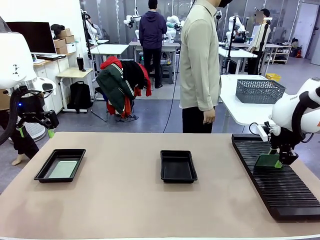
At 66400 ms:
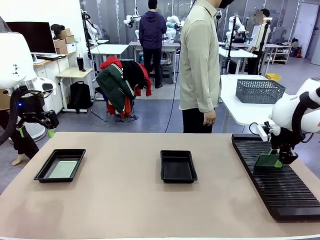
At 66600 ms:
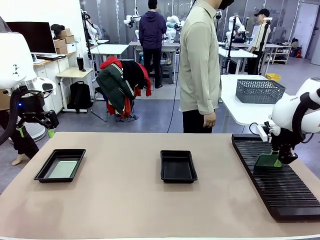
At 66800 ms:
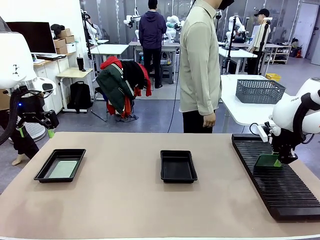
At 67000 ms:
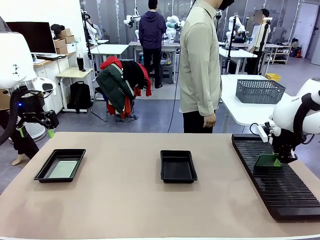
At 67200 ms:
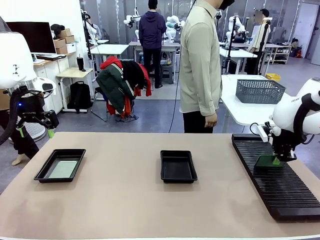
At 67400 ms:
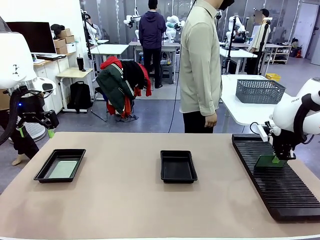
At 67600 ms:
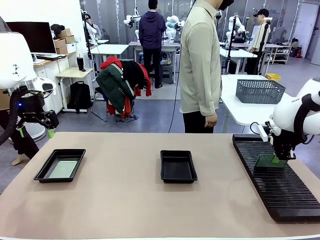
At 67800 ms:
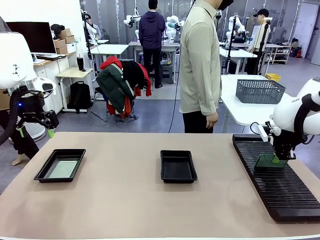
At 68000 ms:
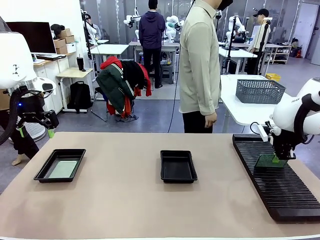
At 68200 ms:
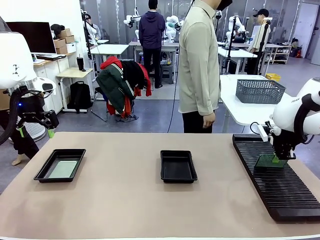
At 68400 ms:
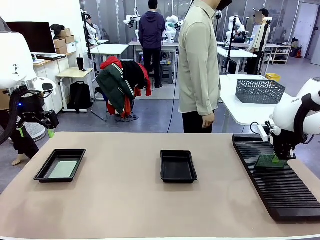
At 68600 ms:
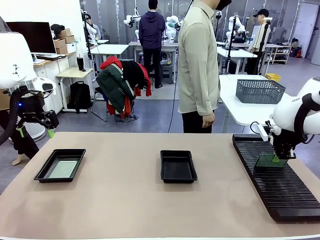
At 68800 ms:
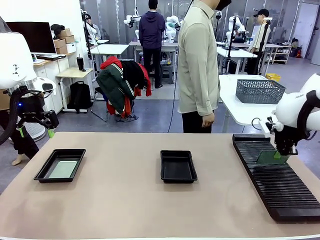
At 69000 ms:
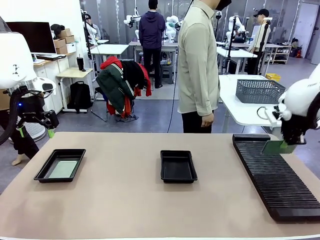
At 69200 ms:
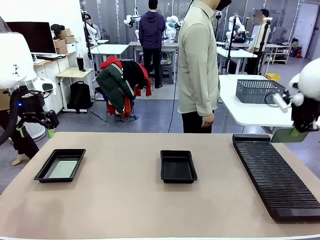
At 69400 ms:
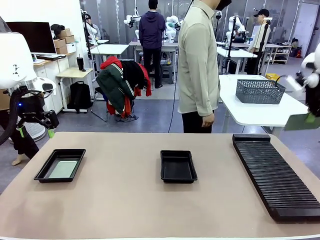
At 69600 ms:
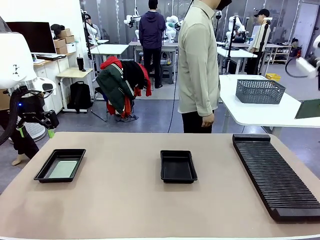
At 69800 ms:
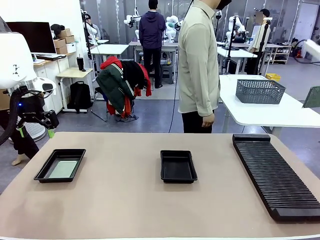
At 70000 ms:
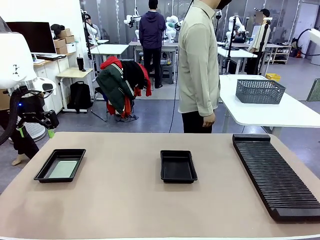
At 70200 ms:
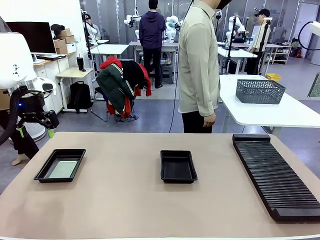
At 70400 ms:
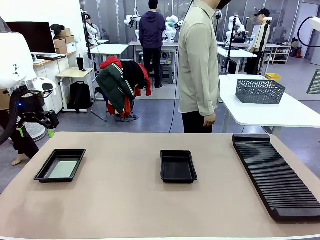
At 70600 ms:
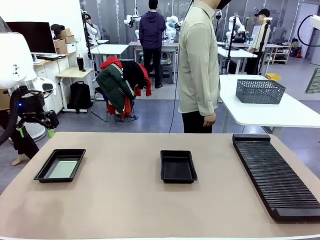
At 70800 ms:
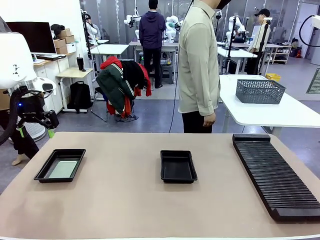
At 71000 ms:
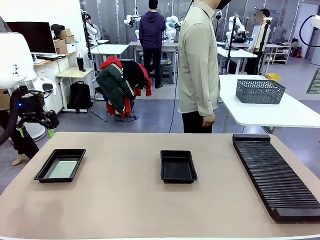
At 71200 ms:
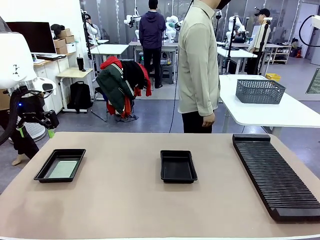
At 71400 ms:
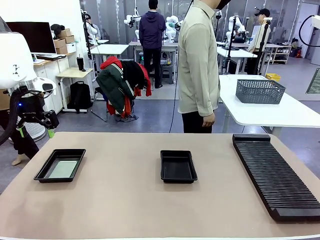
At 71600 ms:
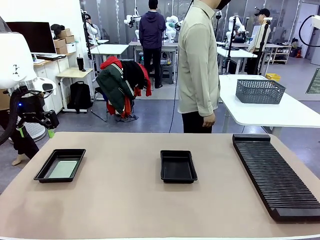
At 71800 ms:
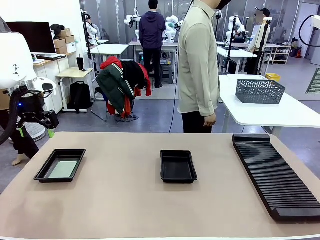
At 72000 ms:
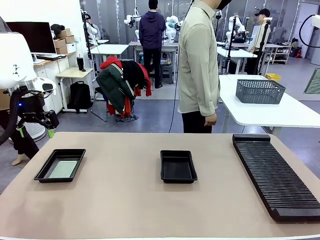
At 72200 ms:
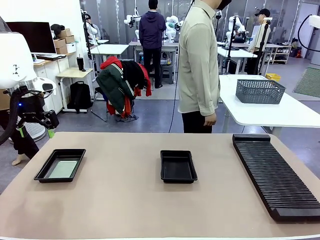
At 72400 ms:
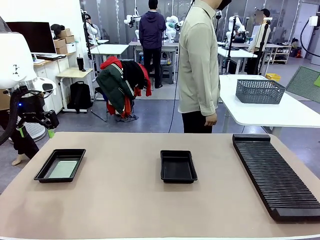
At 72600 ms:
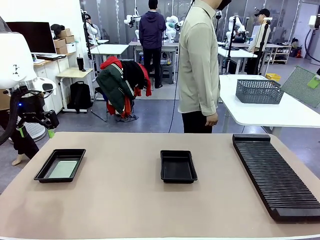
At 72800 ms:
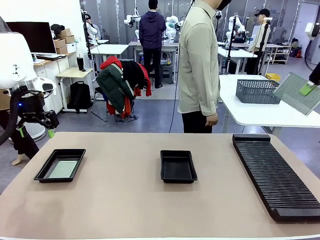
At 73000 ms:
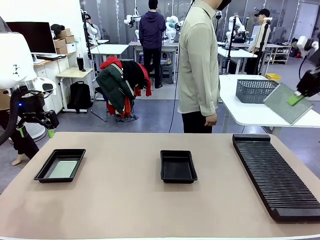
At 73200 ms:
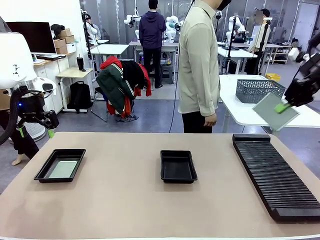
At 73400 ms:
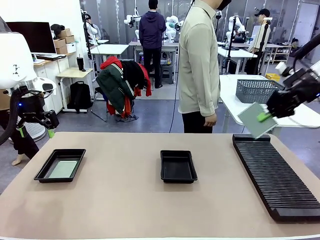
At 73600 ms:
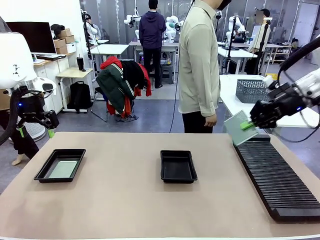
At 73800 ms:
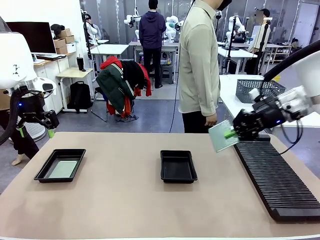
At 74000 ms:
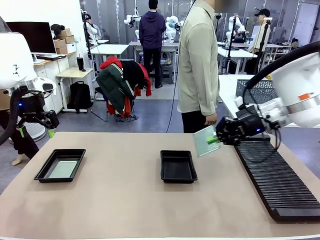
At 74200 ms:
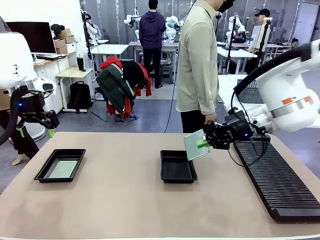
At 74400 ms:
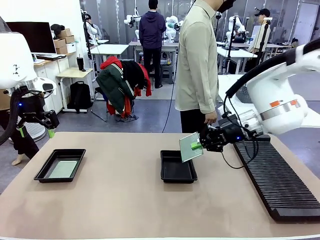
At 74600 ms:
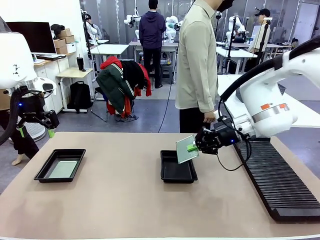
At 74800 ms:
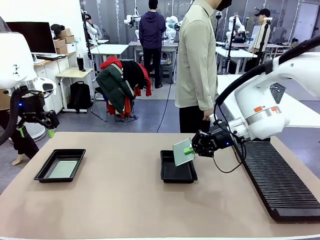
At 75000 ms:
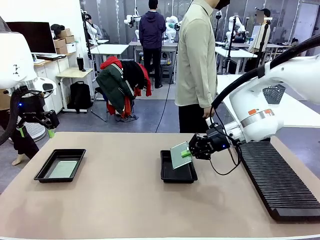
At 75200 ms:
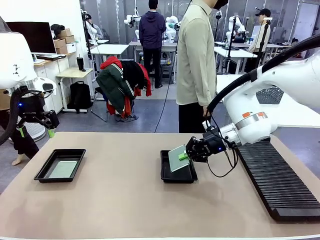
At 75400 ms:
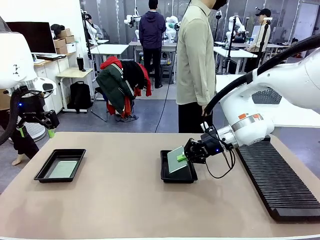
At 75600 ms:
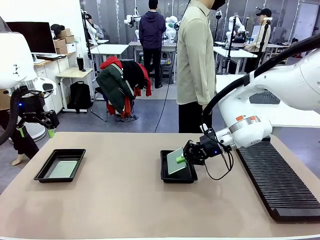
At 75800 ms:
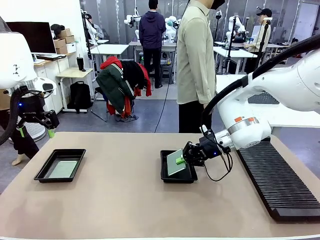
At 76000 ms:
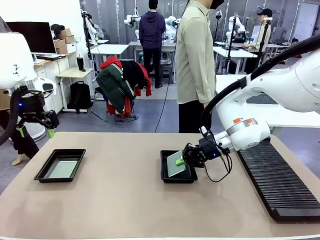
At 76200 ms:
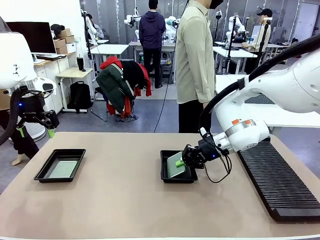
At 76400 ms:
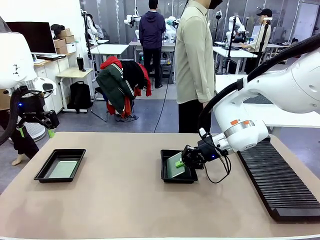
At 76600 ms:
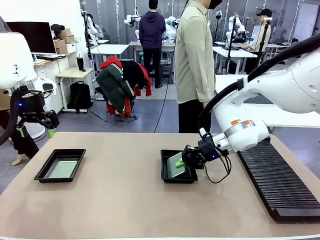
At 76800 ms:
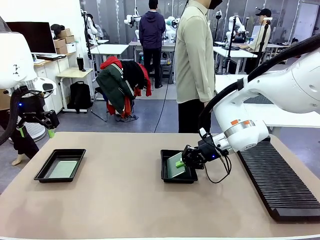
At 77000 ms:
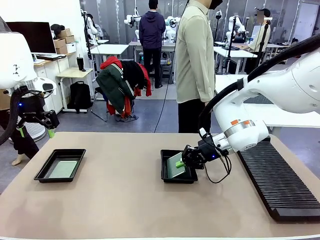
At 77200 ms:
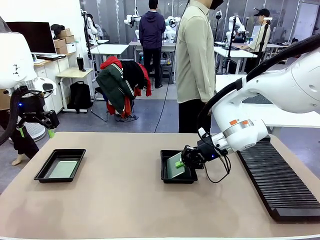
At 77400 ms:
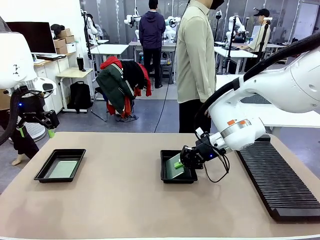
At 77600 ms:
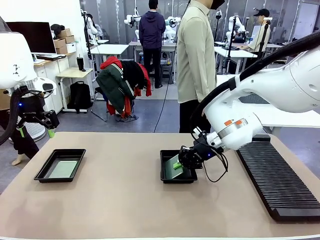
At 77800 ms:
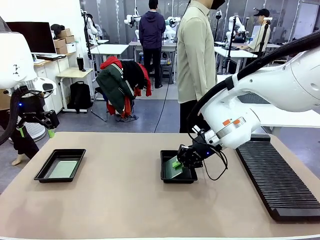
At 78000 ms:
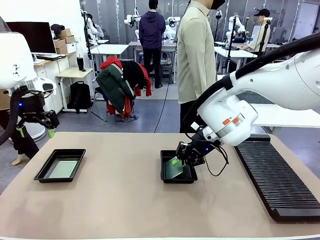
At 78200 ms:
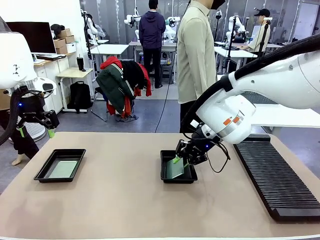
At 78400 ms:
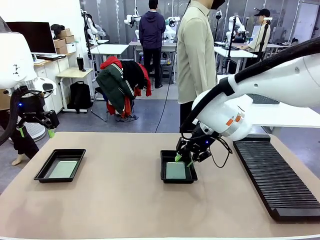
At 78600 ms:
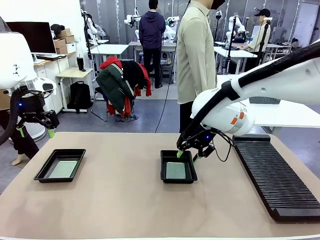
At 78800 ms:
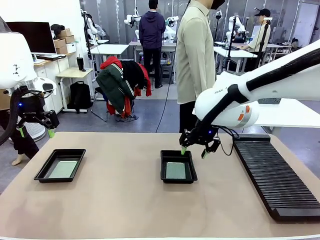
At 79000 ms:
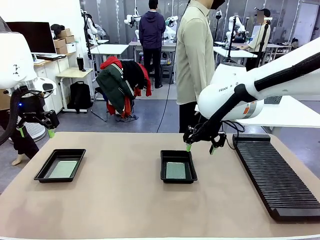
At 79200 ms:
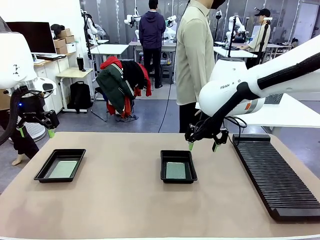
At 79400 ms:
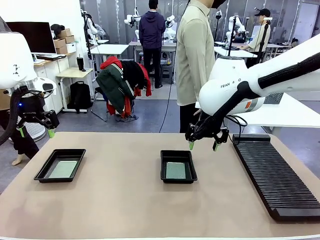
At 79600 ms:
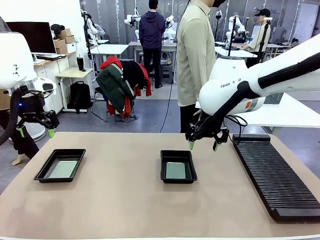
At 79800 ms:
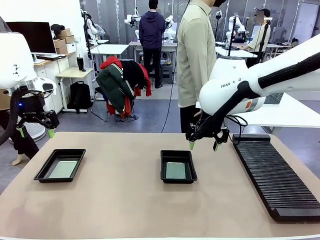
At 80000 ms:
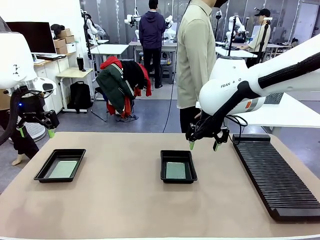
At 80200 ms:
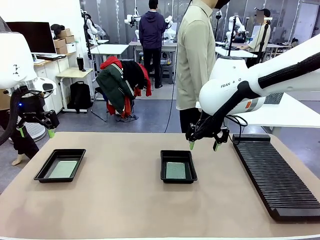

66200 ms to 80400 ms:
Task: Inspect and transfer BCBs to ESD trays.
Robot: Pick up the Blank PCB from the PCB Rack and place it in the right ESD tray.

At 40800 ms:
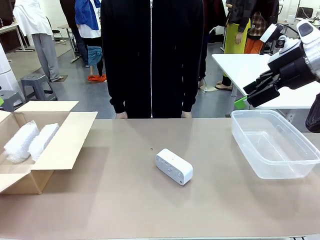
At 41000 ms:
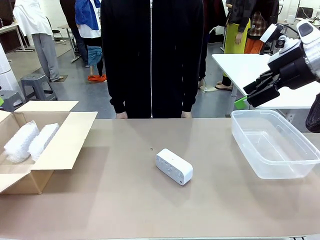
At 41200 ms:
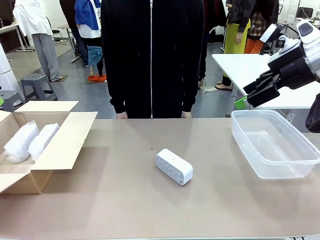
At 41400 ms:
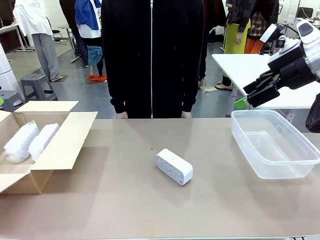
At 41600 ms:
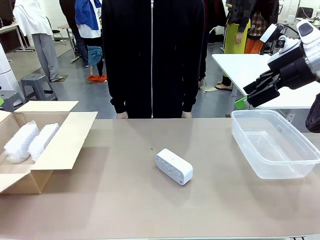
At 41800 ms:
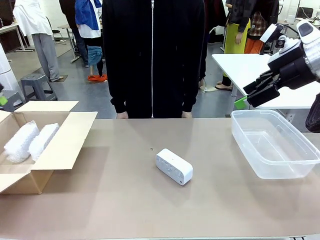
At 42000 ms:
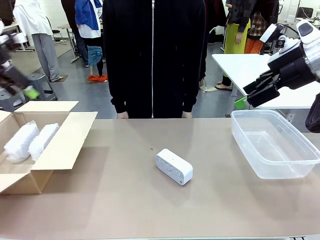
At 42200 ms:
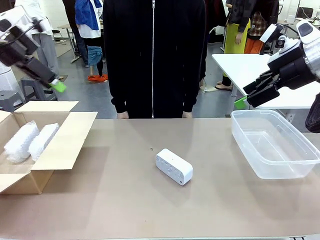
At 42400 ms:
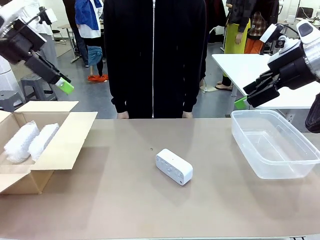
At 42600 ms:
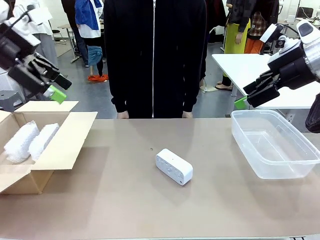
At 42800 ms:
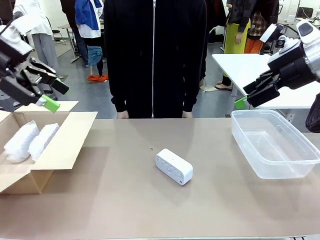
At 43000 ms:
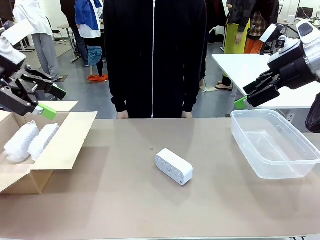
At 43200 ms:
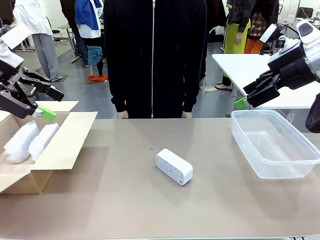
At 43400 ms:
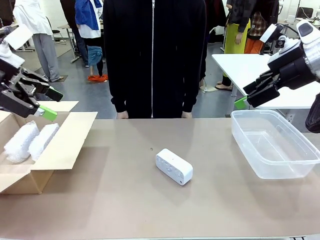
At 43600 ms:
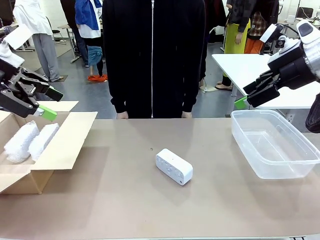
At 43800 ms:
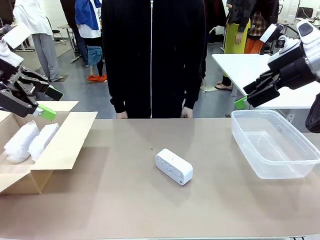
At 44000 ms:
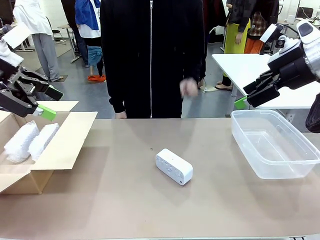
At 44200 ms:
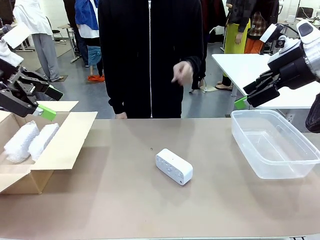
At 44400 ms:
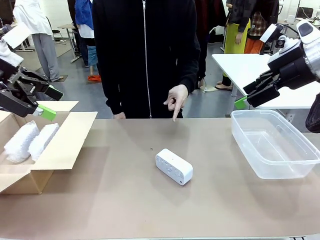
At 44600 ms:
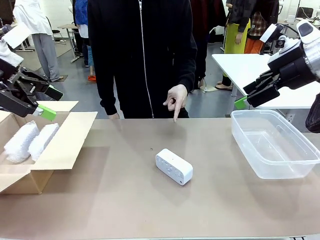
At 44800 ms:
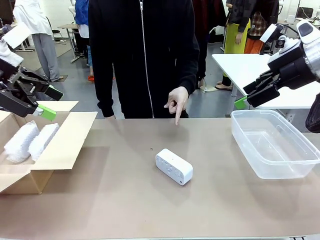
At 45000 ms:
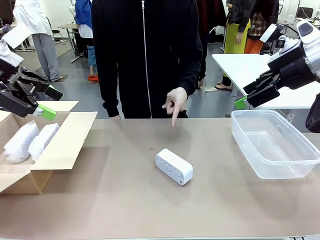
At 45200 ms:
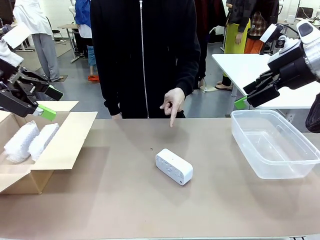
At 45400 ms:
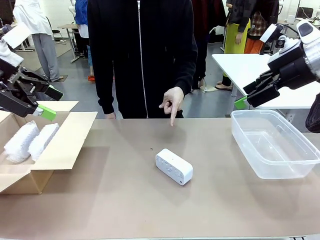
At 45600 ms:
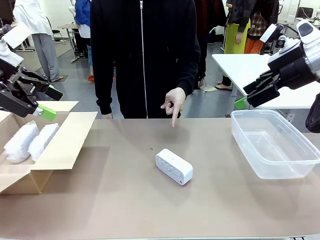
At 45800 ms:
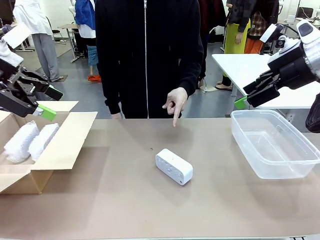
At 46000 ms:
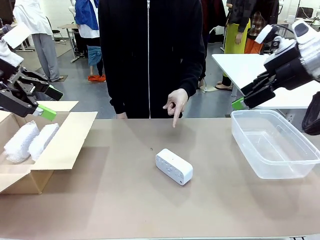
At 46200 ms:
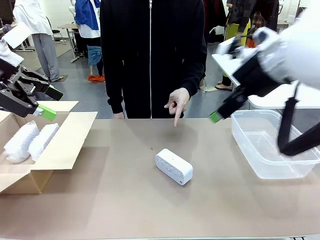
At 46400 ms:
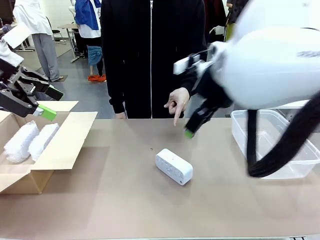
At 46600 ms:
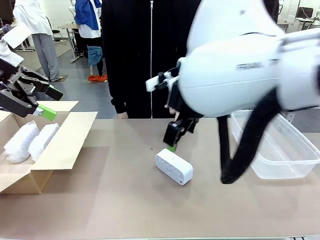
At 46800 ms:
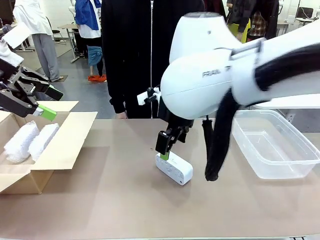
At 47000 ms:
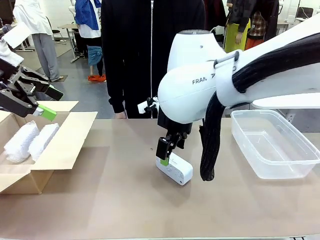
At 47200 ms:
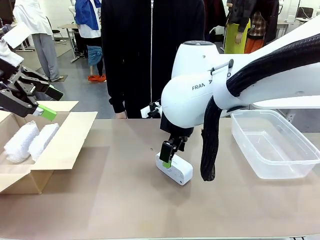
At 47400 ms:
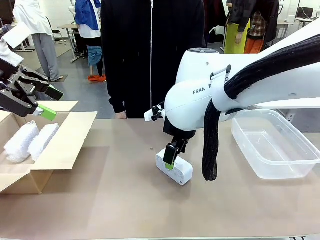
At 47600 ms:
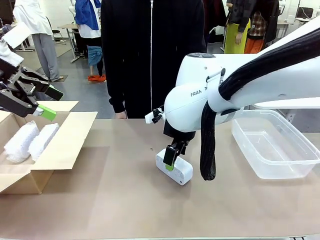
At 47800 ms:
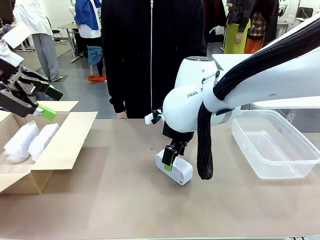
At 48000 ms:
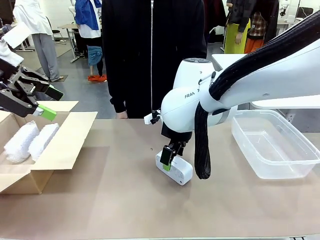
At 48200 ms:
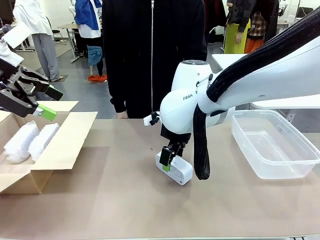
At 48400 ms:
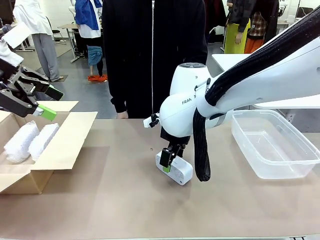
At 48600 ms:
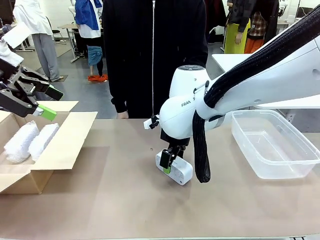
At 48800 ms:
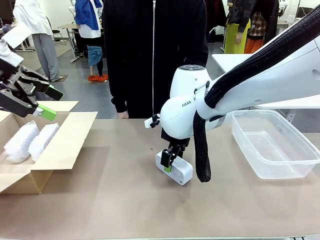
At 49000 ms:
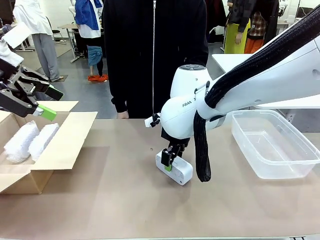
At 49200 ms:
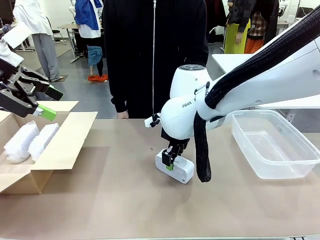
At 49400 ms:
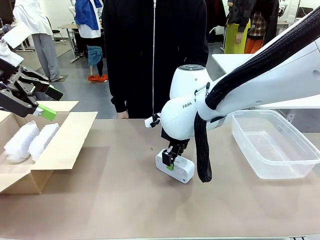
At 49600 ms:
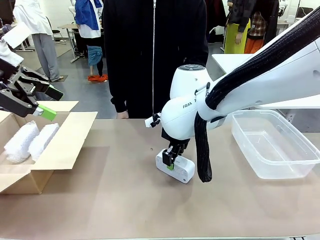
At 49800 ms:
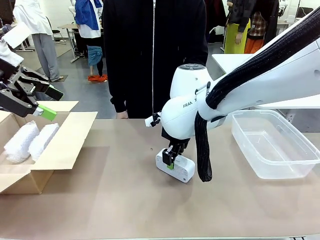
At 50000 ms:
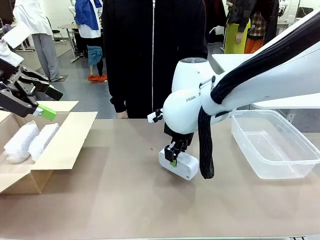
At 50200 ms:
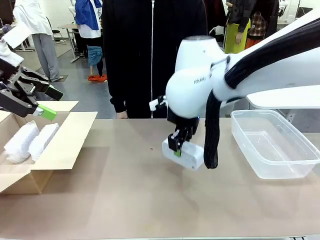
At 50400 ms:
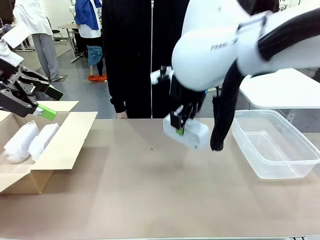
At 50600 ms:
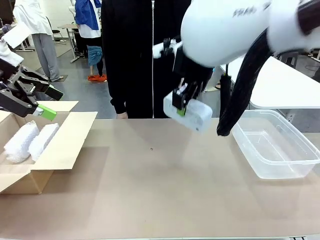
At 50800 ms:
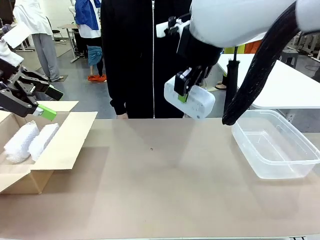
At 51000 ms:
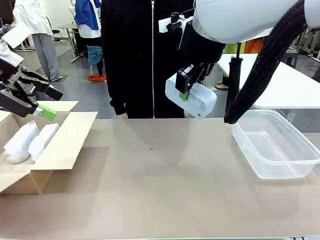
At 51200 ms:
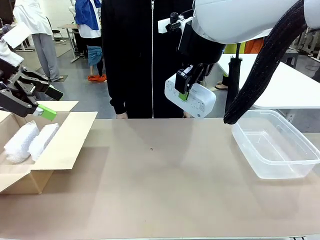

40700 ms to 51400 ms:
Task: Separate and place wrapped and unwrapped clocks.
Robot: Pick up the Digital clock indicated by the person.
